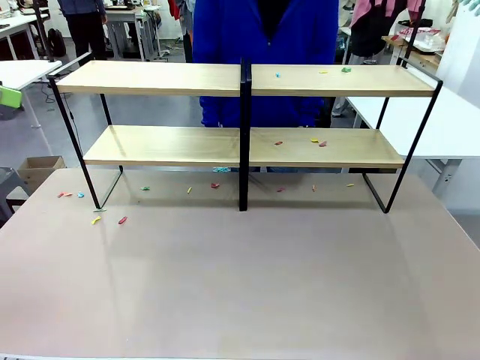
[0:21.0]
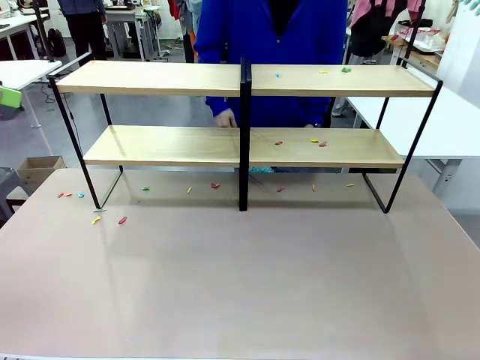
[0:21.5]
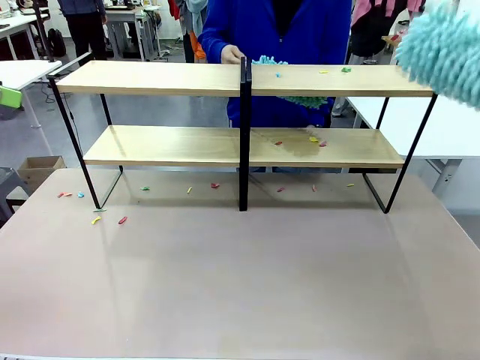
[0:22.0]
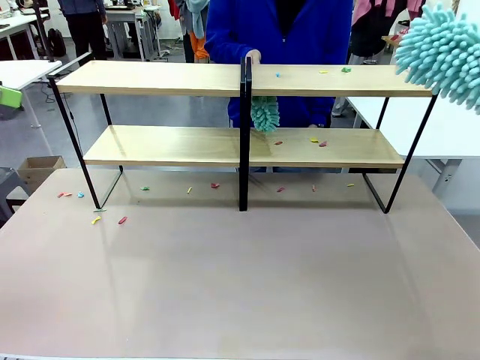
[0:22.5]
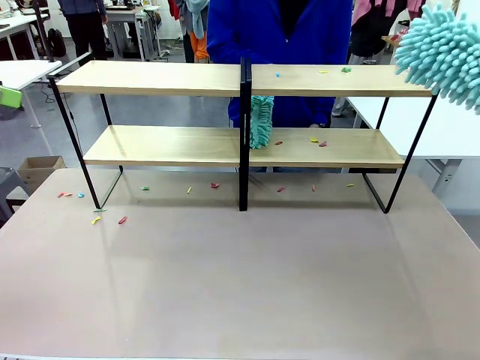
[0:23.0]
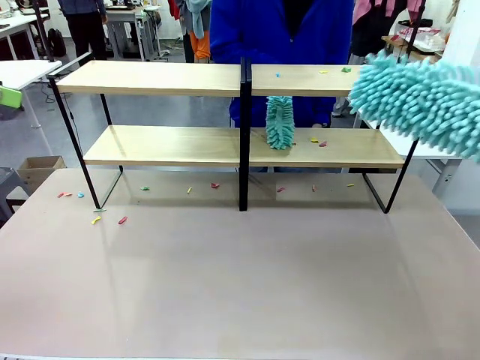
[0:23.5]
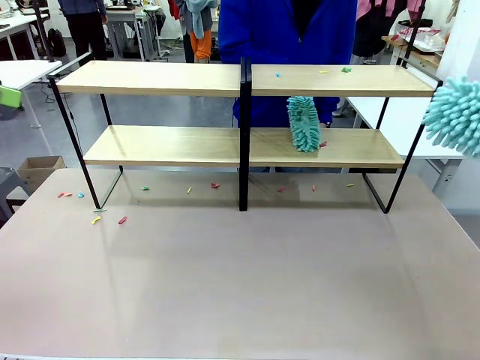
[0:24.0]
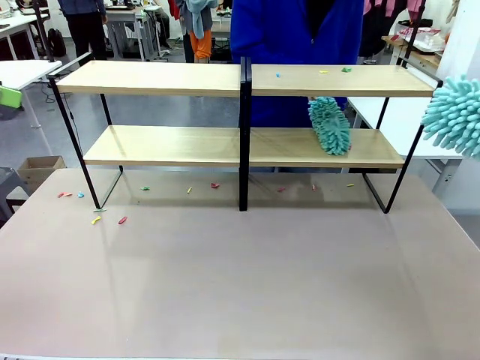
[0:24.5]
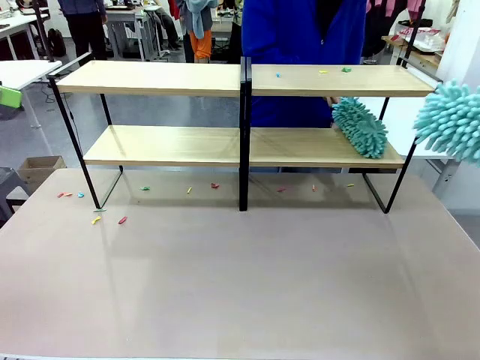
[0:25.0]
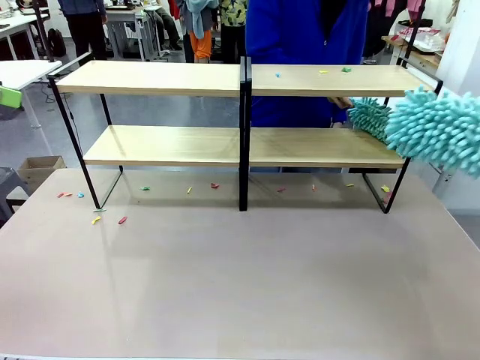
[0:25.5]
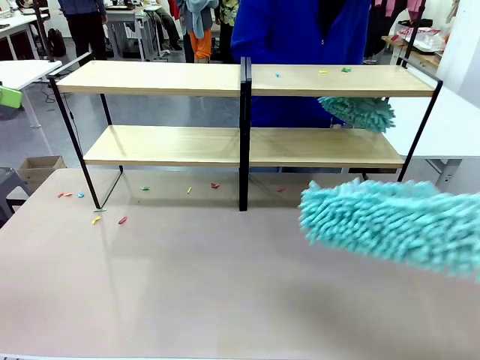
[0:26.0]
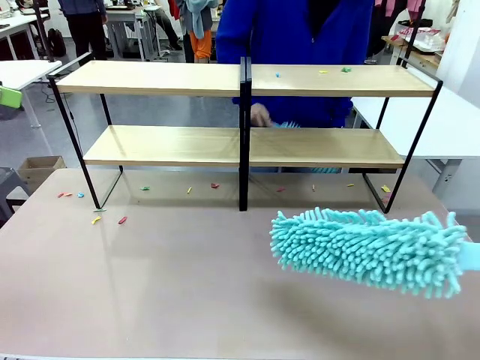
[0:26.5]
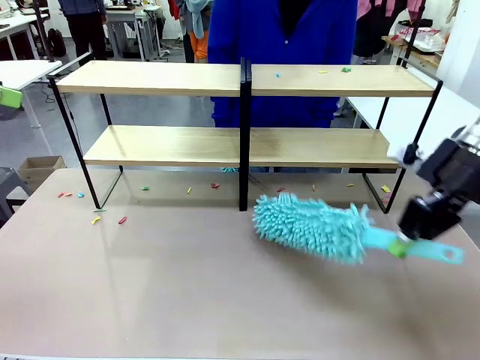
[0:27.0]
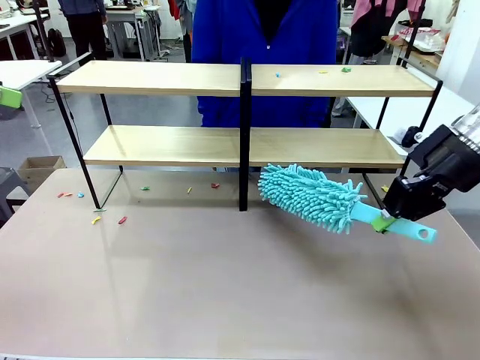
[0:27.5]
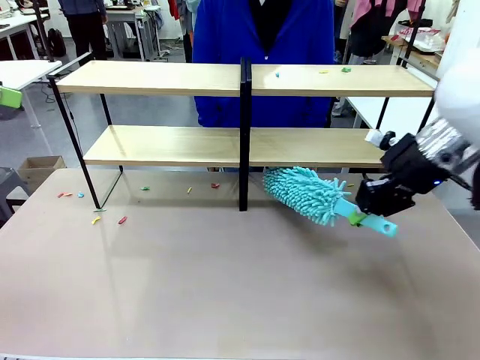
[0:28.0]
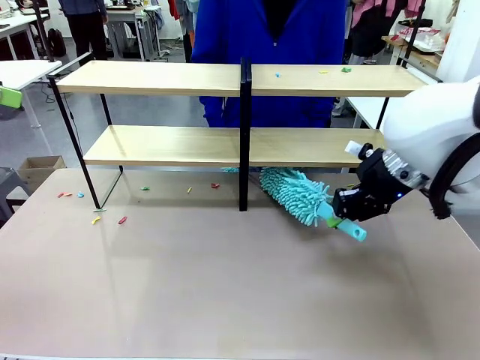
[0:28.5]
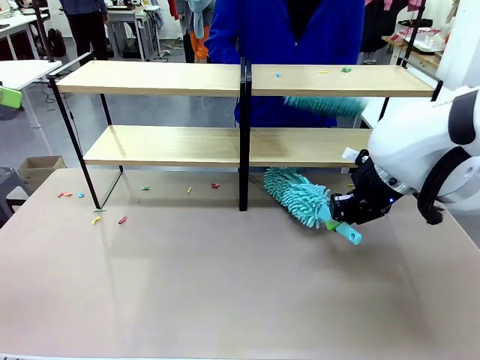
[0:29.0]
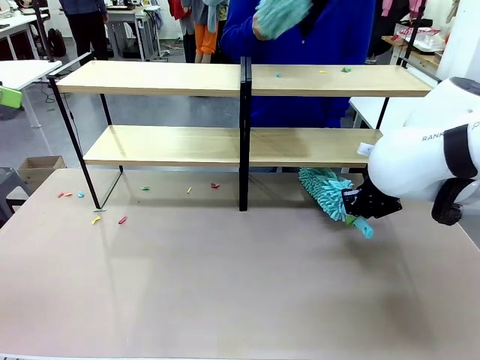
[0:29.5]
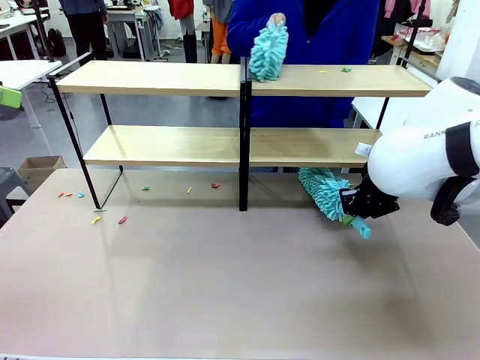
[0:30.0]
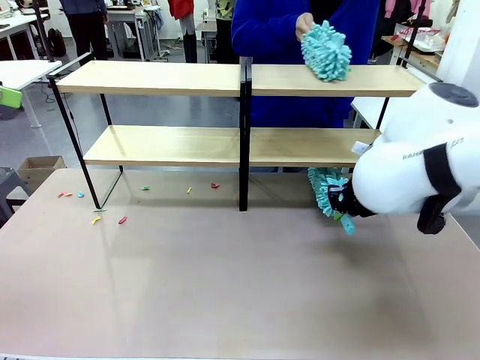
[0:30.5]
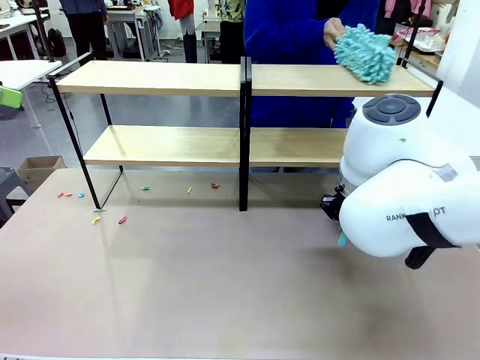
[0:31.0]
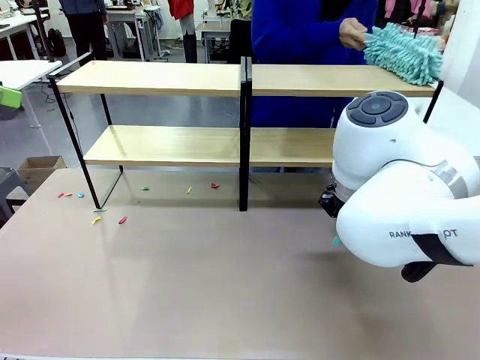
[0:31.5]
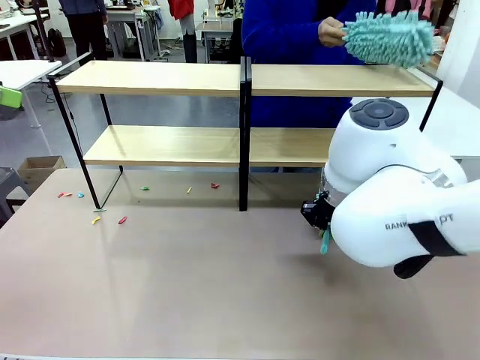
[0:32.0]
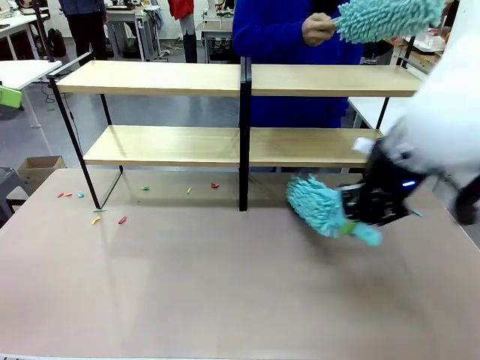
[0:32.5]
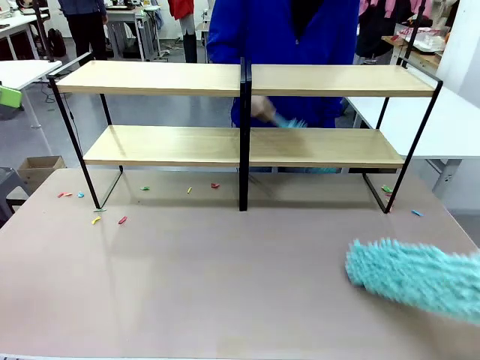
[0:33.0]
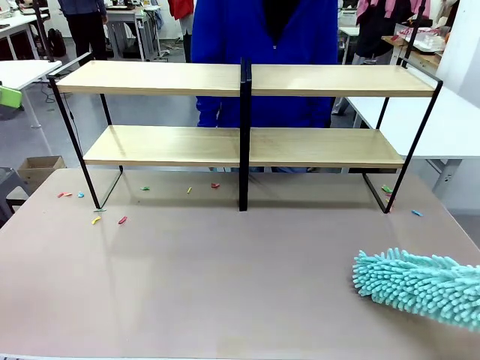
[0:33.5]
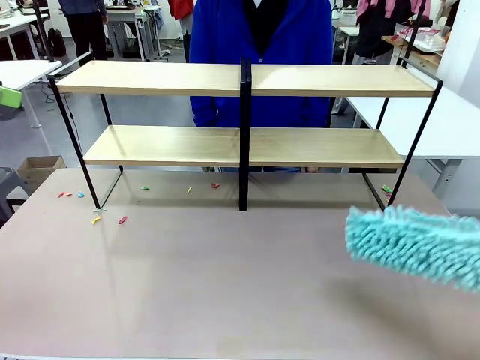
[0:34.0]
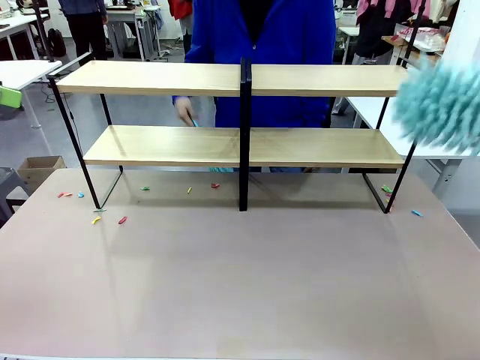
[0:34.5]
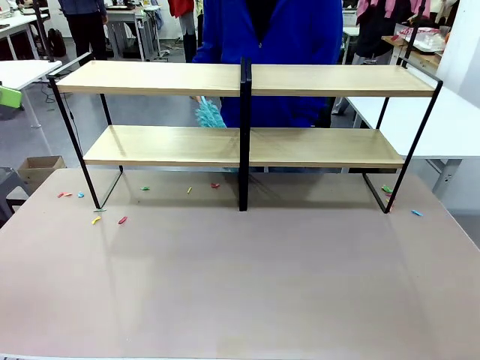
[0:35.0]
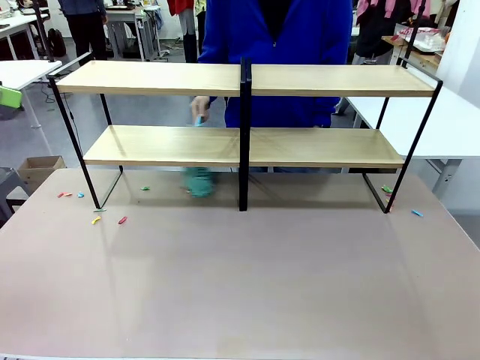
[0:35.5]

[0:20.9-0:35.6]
Task: Clean the shelves.
Robot: Clean another randomly selected level of the Shelf with the Duster.

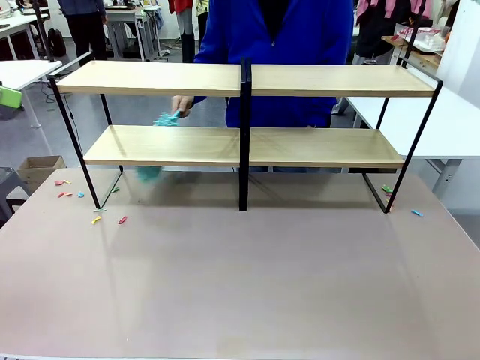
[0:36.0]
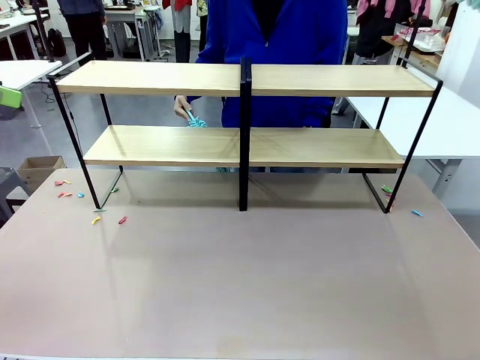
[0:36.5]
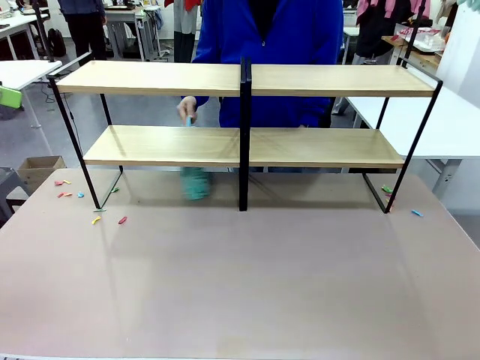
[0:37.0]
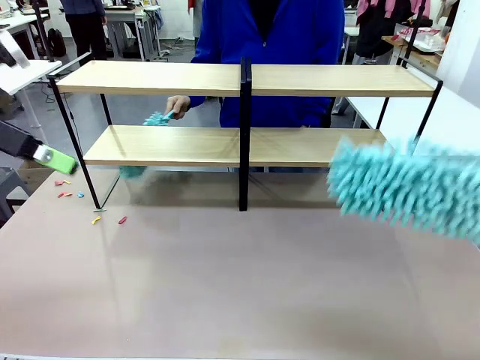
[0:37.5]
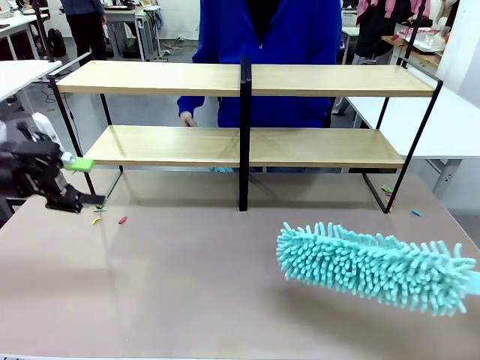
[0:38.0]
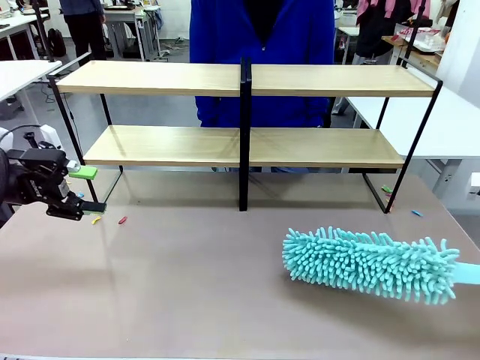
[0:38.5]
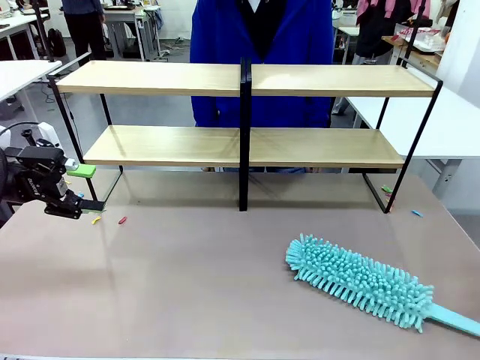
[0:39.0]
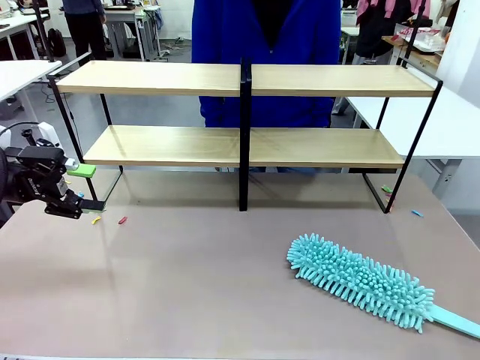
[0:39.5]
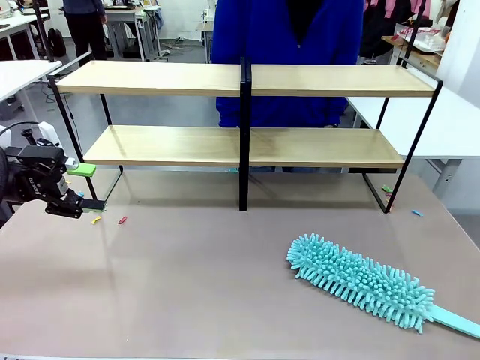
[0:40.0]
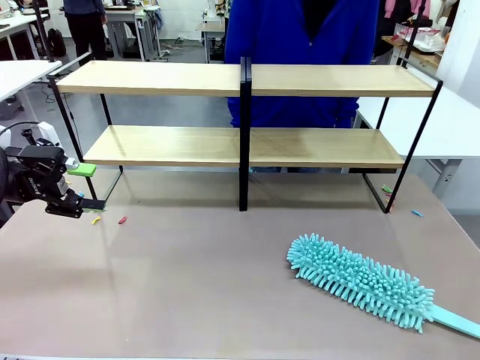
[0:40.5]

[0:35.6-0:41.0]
Robot: Place the Duster on the table.

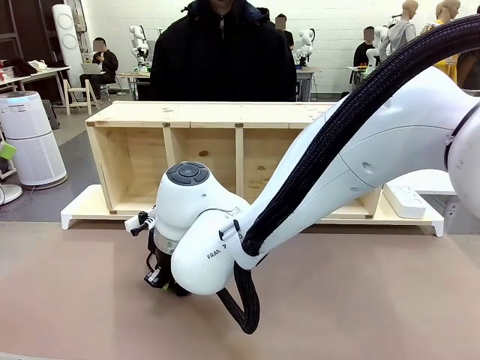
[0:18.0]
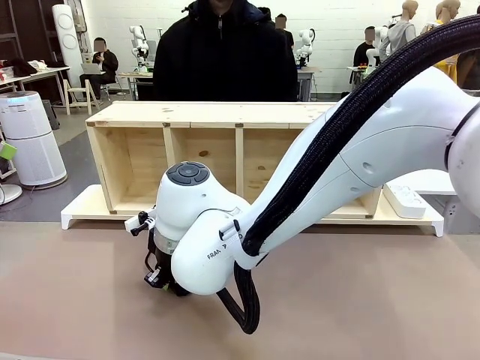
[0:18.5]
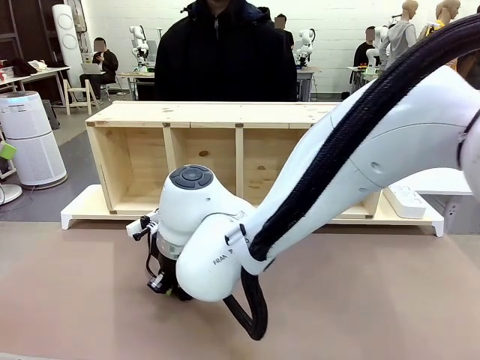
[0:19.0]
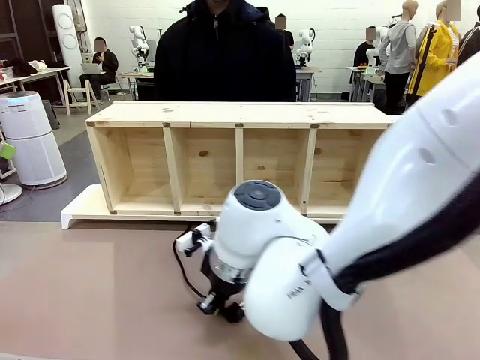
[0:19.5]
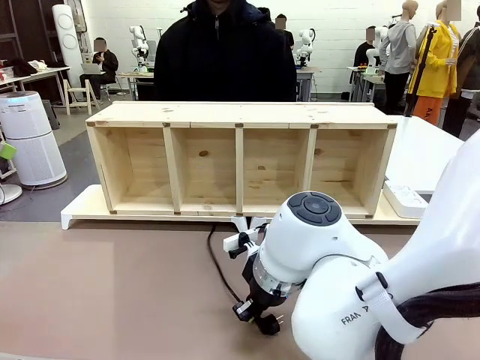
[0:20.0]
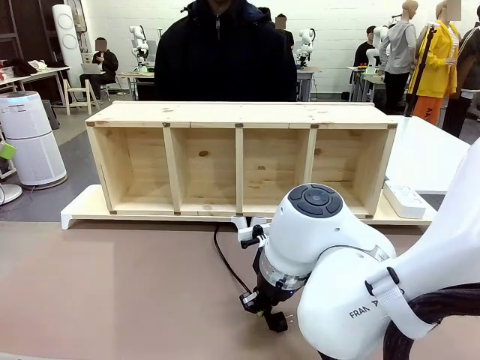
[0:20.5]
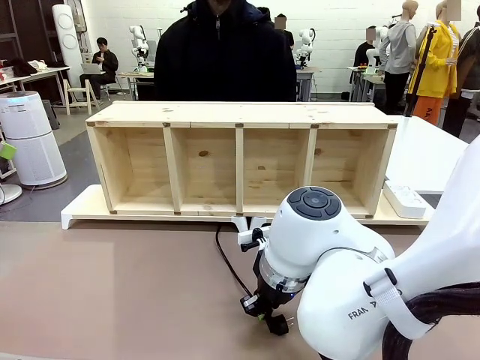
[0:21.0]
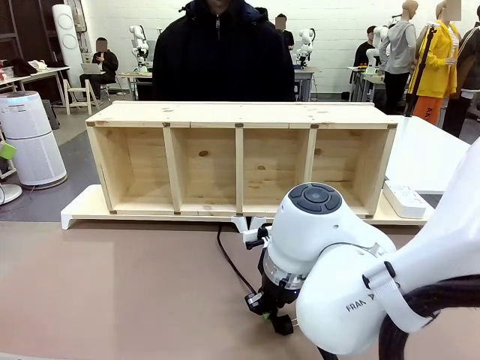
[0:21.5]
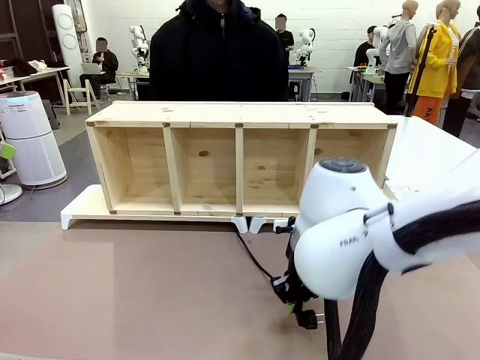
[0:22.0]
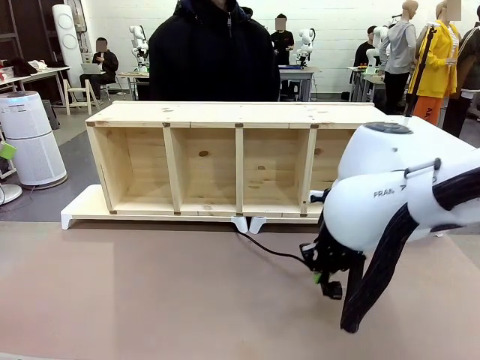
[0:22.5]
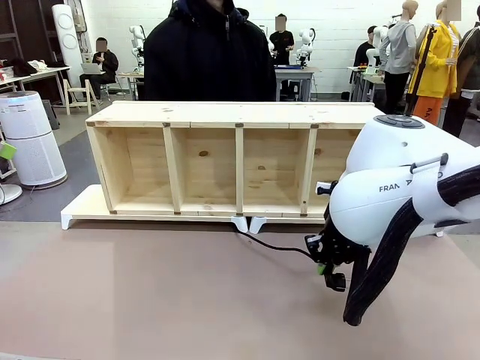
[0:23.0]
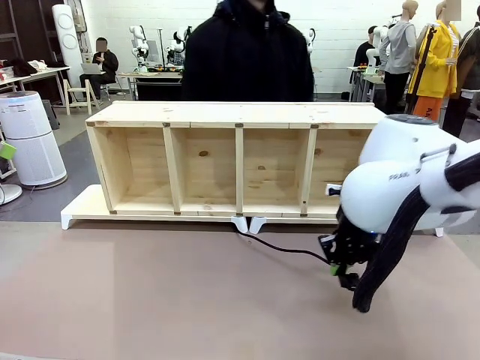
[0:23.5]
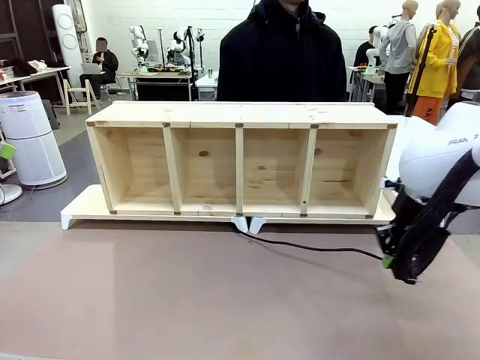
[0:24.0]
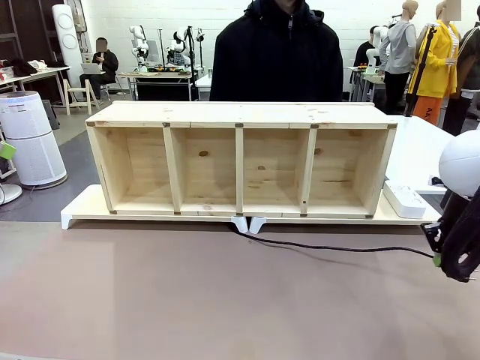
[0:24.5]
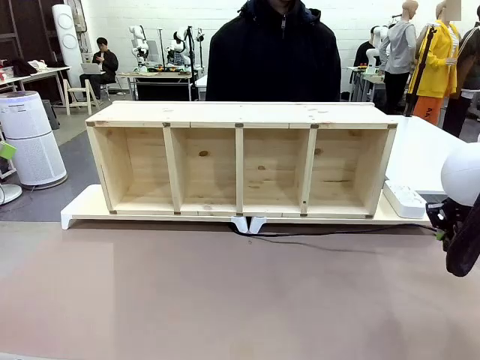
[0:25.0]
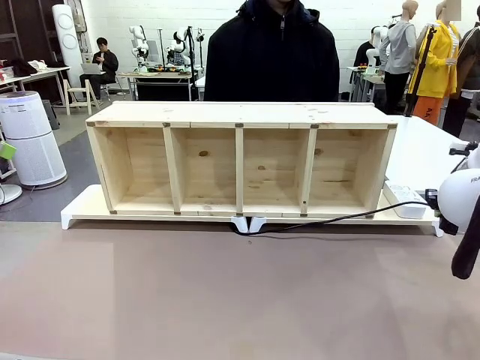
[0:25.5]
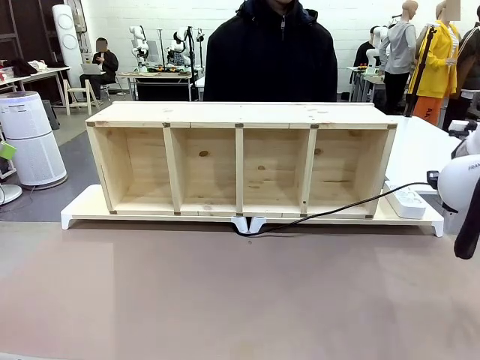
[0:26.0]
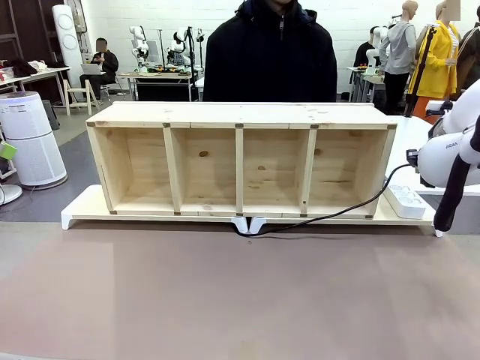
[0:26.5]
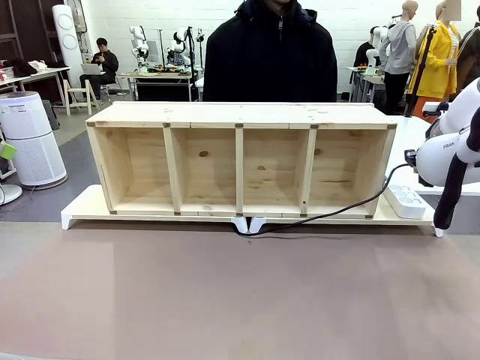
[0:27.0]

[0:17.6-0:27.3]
Task: Perform cable management.
Robot: Pull the grasped Power Cable to the location of the Power Strip.
